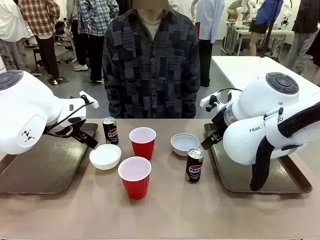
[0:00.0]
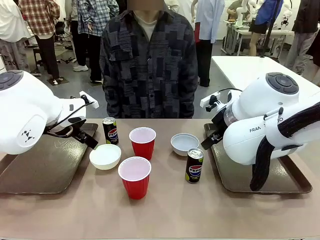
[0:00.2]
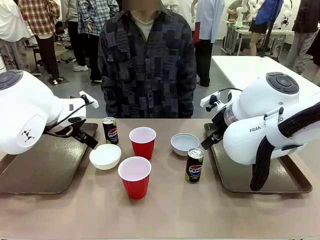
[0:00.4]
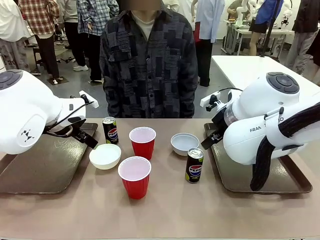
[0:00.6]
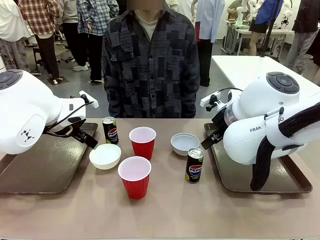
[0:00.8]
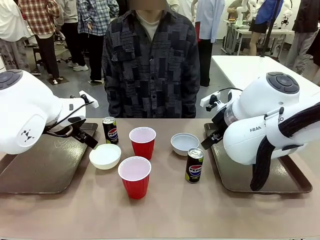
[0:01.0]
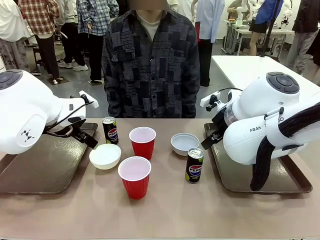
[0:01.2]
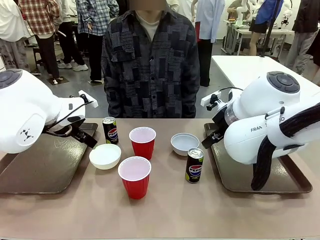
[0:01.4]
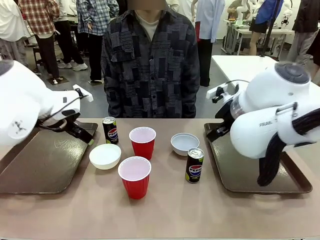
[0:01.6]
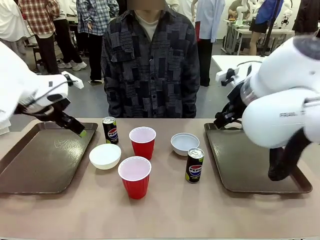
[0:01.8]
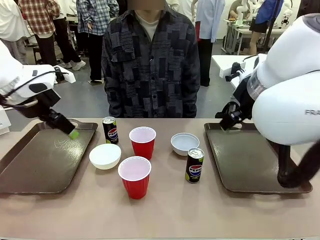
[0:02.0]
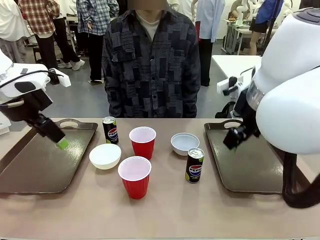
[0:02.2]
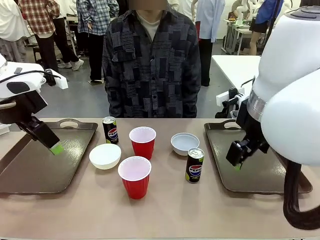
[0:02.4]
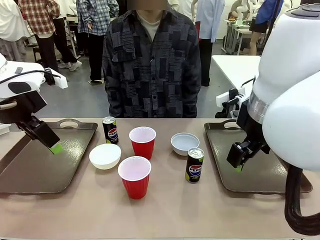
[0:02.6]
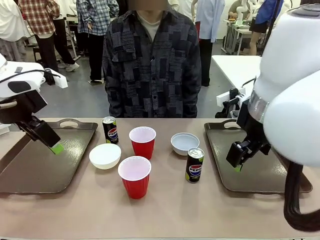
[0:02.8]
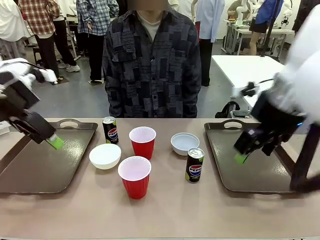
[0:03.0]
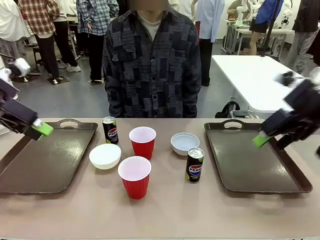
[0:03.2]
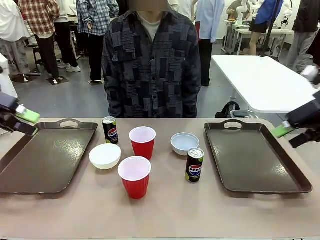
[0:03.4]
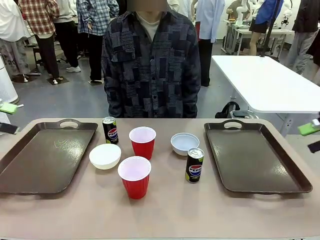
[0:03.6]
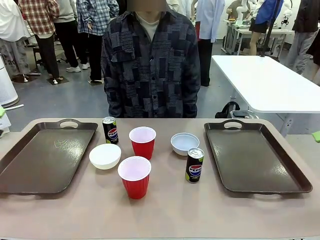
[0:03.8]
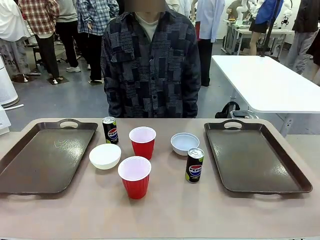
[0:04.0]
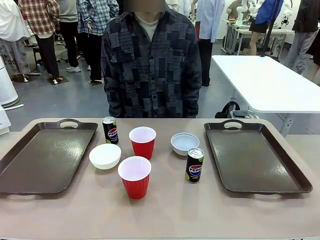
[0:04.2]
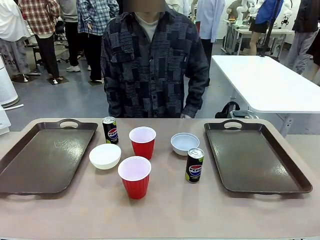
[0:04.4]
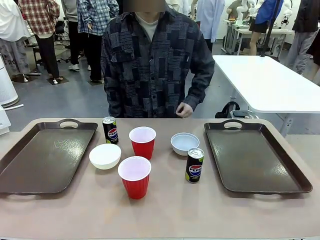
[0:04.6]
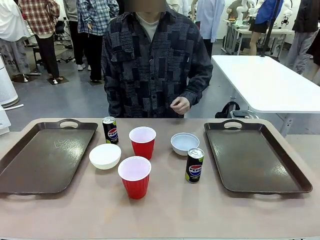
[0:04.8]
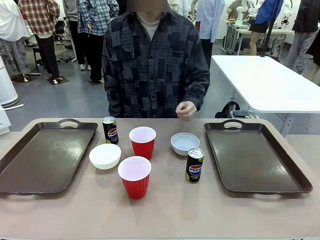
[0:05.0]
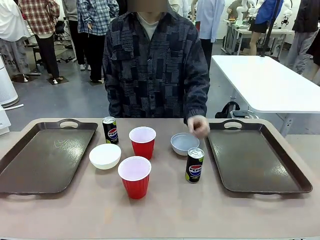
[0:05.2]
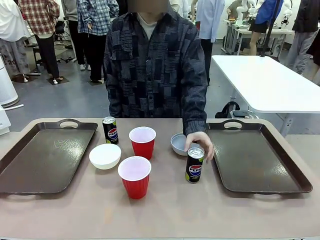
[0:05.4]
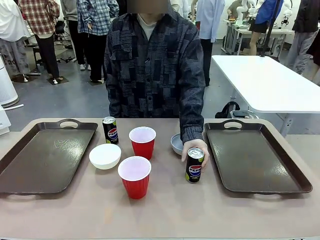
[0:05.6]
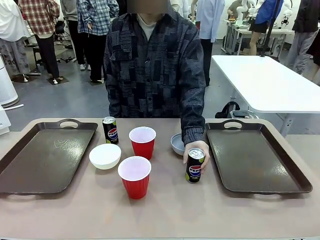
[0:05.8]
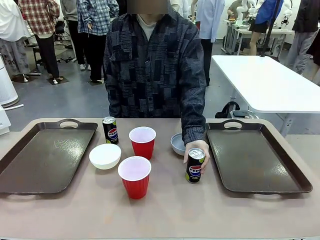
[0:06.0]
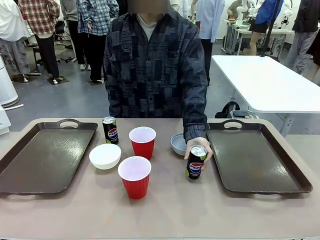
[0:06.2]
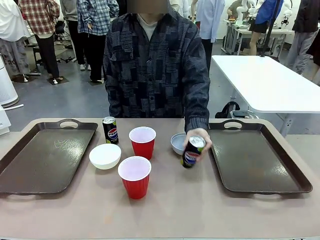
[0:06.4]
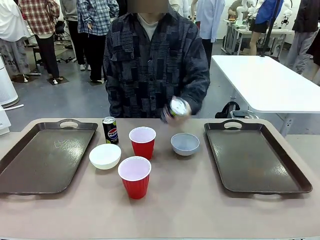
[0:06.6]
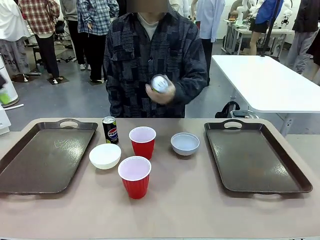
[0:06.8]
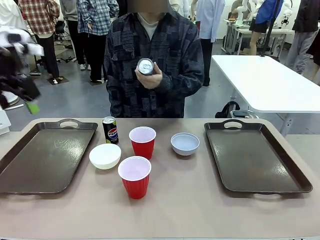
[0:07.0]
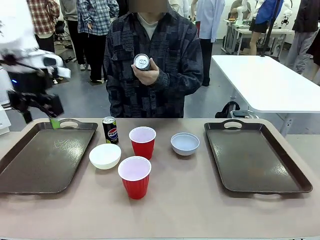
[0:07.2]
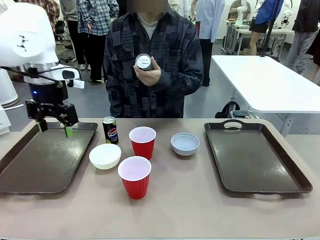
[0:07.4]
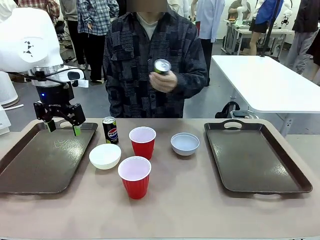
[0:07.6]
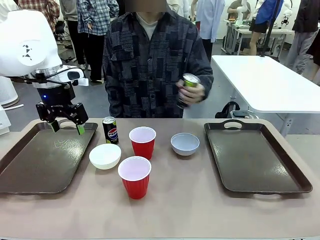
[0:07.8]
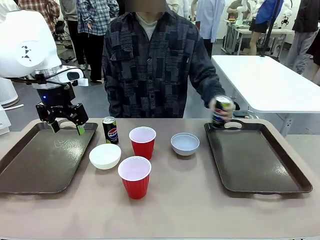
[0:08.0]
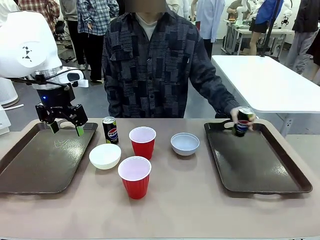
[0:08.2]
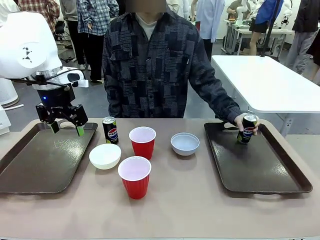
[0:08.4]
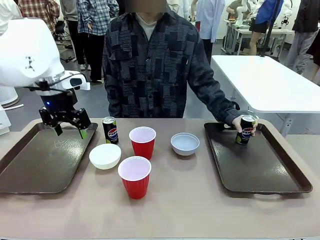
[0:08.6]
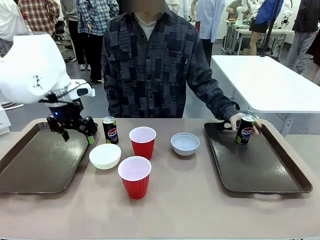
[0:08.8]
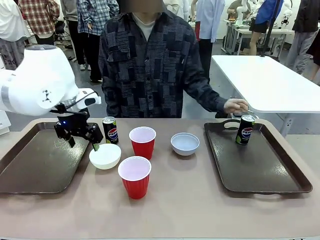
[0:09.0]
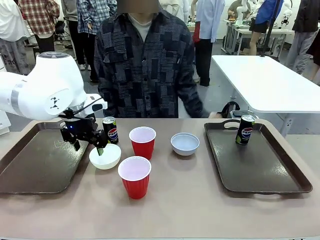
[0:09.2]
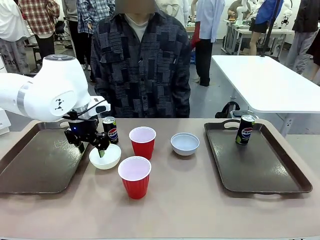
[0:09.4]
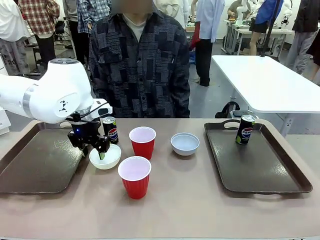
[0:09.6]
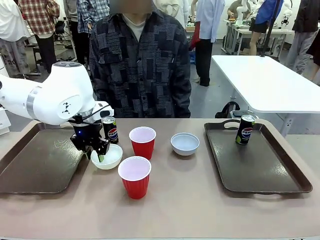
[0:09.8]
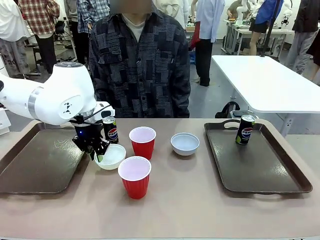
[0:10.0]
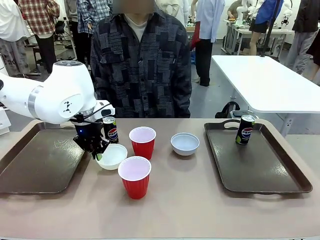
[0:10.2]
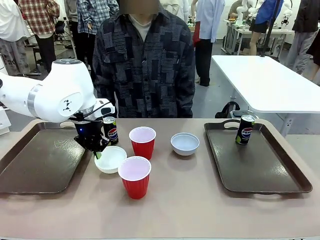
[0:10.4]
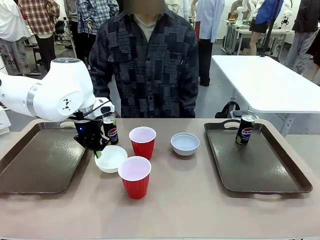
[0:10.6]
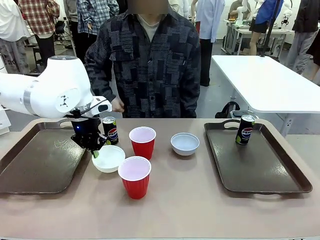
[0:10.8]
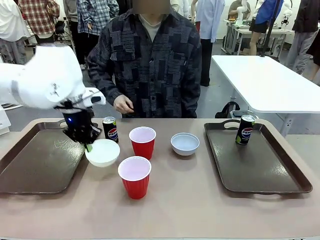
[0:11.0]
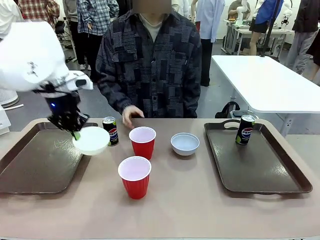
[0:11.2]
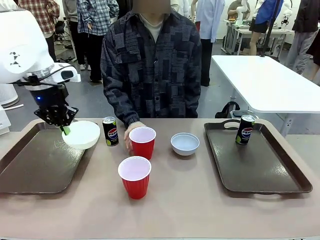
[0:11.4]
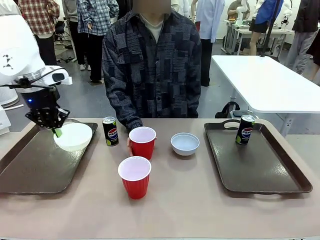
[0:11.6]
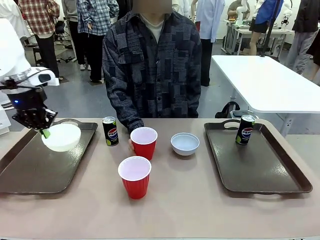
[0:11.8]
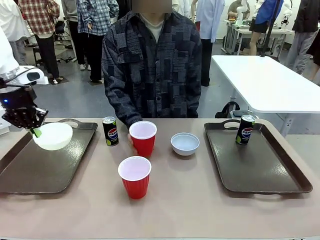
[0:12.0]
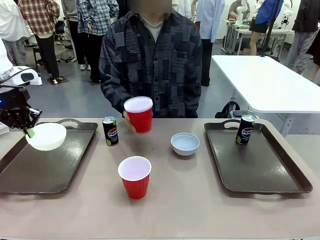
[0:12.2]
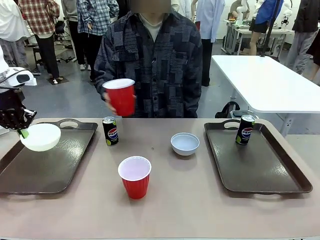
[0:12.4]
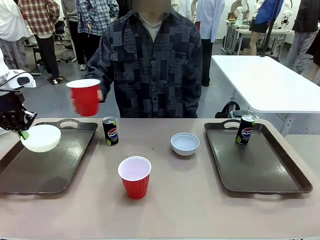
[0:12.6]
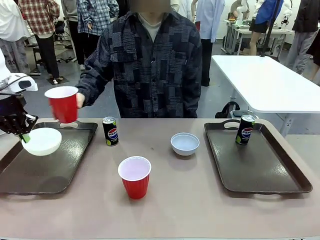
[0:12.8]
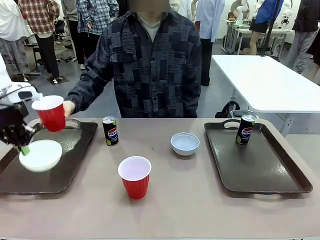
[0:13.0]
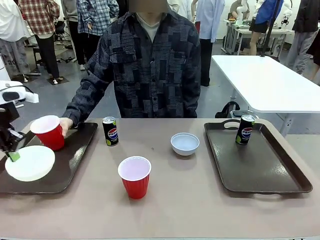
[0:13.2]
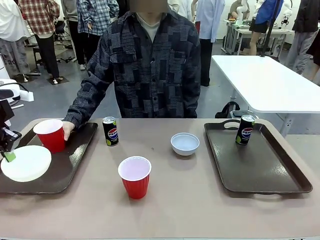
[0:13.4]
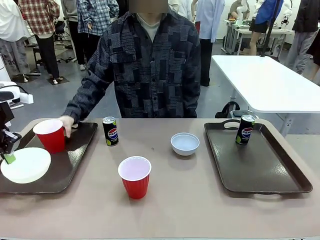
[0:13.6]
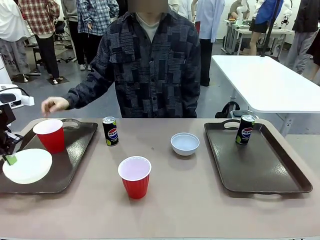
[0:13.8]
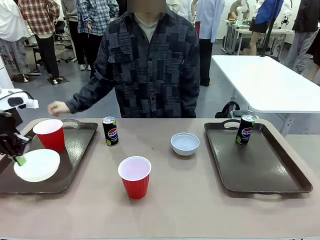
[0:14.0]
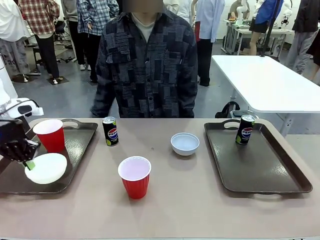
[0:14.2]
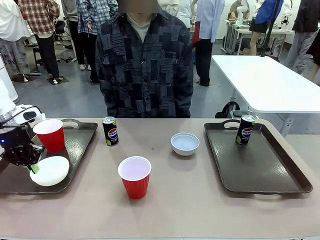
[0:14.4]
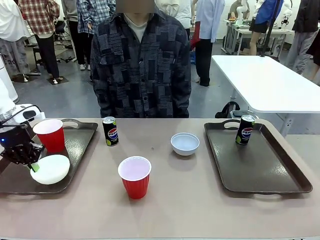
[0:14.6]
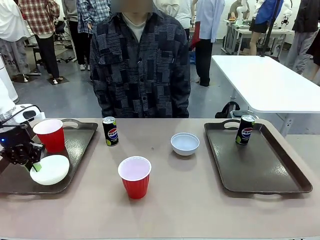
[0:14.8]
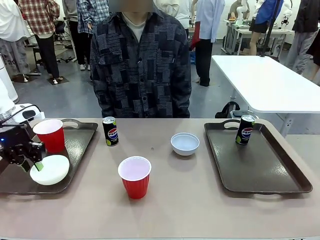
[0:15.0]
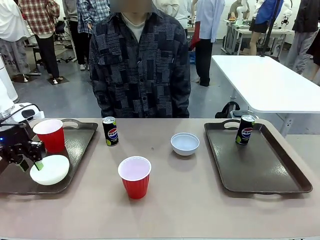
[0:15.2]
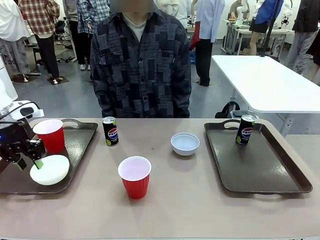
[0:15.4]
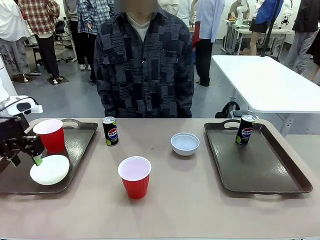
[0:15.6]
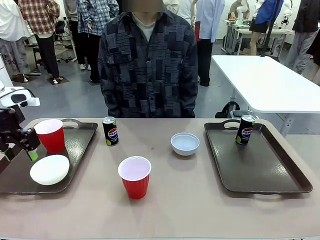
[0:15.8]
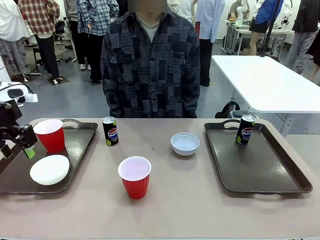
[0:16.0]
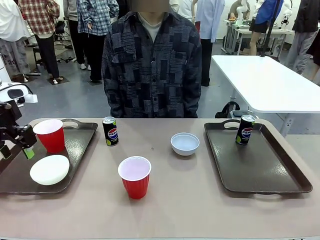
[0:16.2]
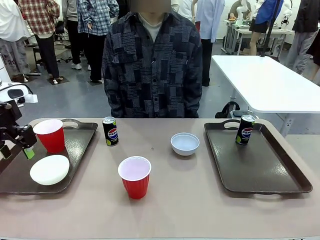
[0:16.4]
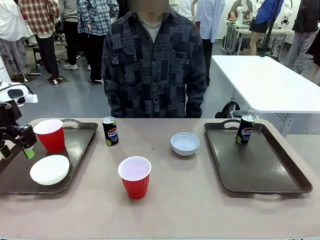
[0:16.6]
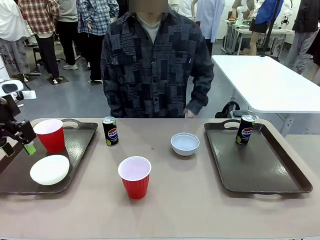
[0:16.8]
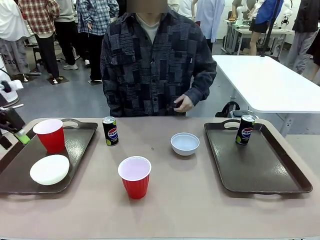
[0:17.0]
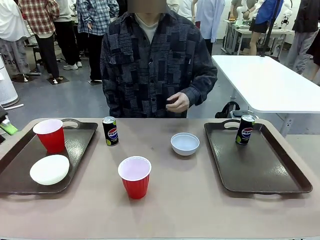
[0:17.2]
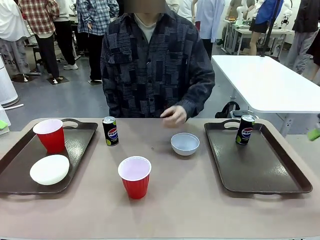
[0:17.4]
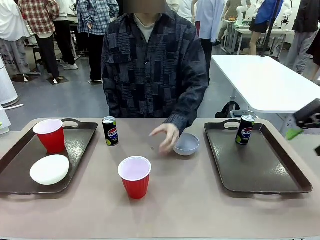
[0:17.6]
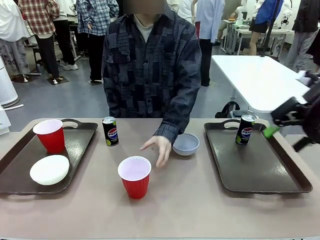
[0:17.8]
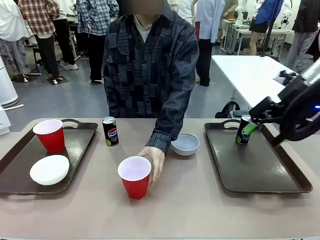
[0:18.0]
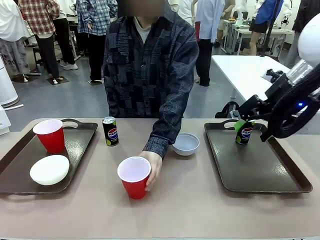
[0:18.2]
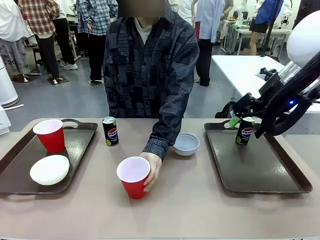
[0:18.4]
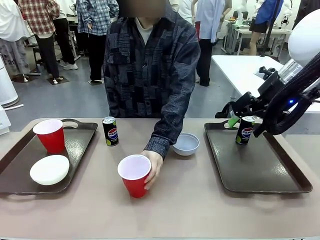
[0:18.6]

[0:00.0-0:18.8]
Task: Prepare tableware on both trays.
Robot: Pick up a Picnic Bowl from the table and place it on a Handle tray.
Person: Pick up a can or cup and place it on the tray.
